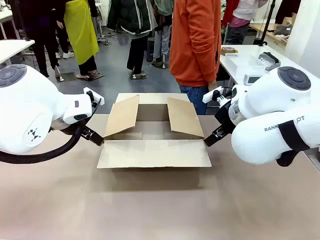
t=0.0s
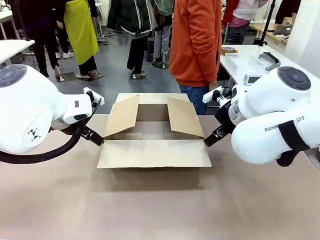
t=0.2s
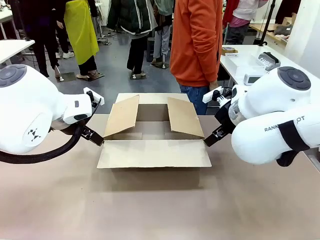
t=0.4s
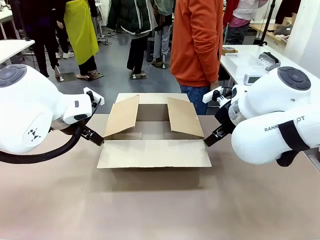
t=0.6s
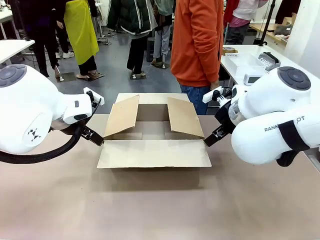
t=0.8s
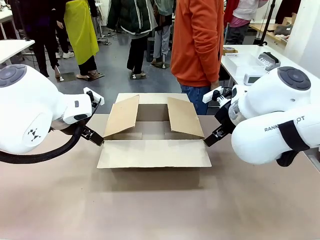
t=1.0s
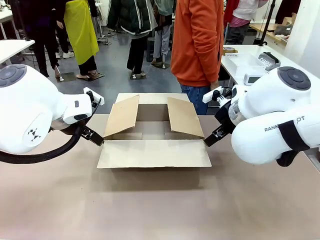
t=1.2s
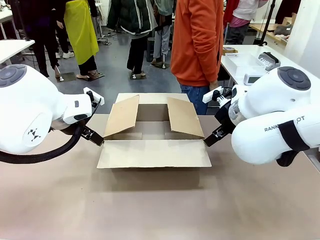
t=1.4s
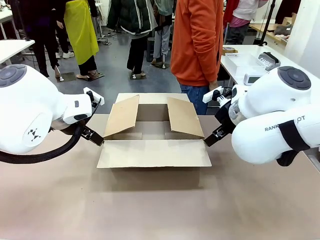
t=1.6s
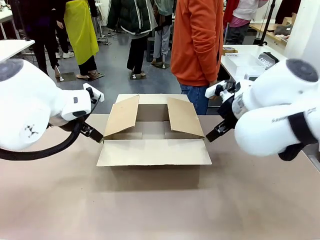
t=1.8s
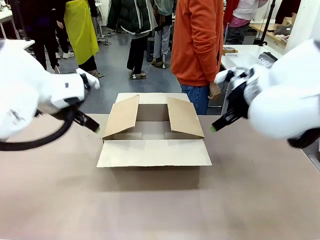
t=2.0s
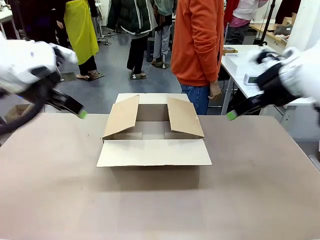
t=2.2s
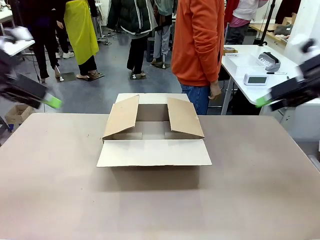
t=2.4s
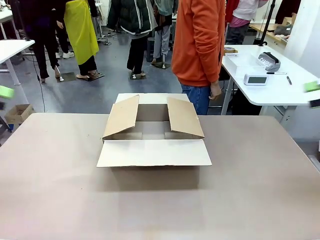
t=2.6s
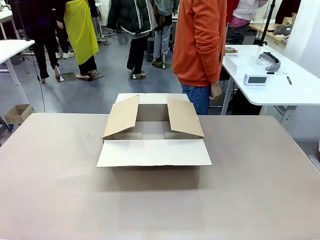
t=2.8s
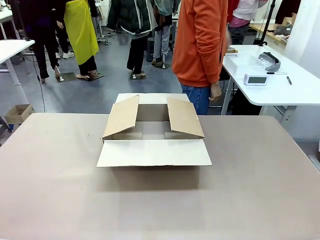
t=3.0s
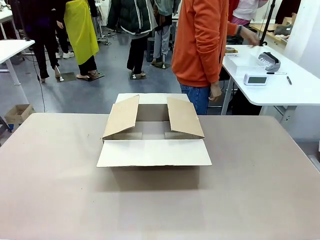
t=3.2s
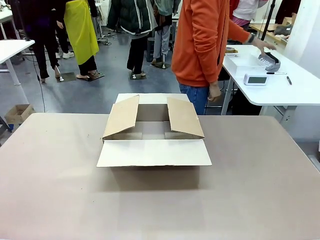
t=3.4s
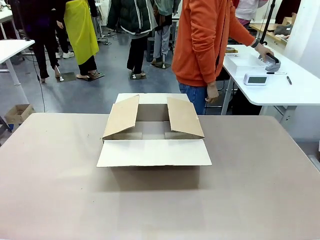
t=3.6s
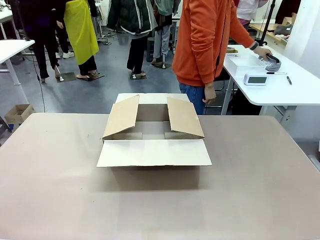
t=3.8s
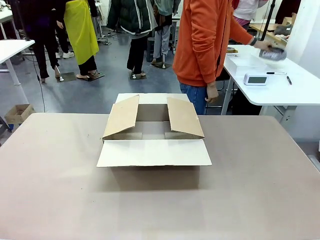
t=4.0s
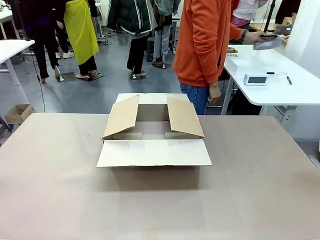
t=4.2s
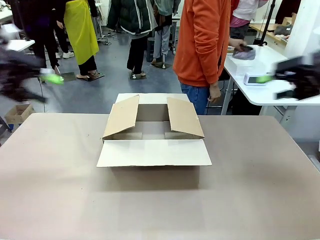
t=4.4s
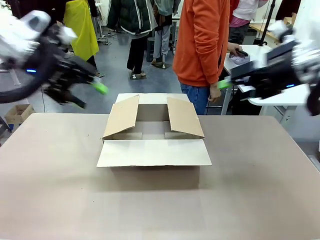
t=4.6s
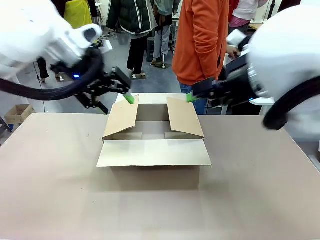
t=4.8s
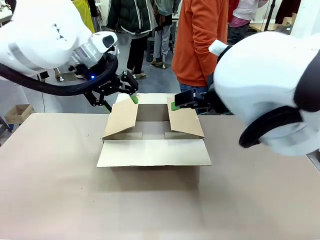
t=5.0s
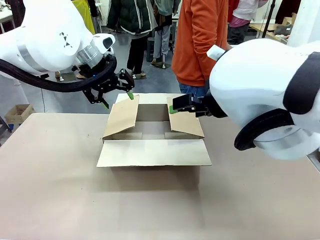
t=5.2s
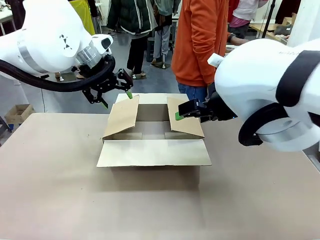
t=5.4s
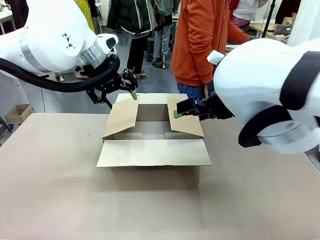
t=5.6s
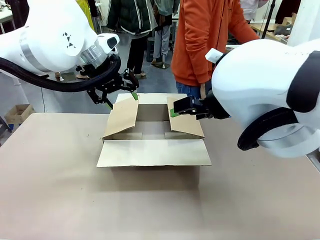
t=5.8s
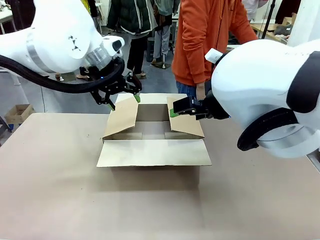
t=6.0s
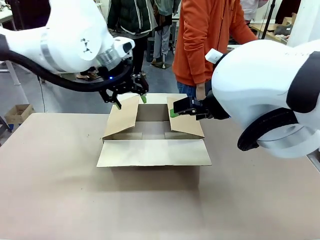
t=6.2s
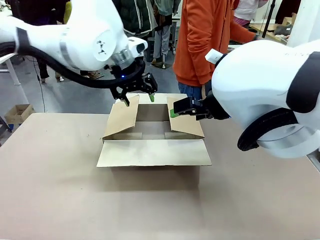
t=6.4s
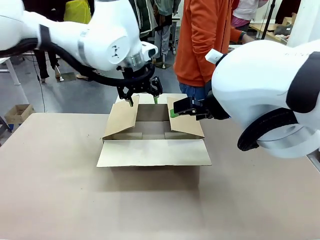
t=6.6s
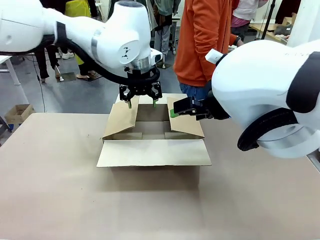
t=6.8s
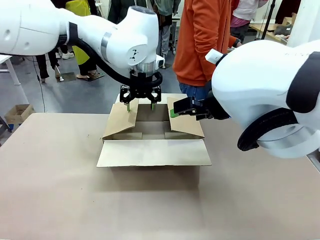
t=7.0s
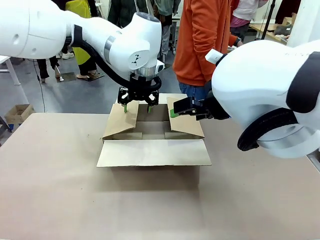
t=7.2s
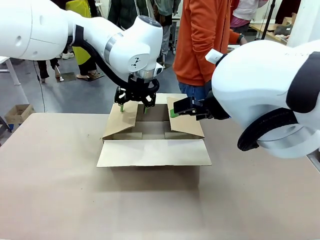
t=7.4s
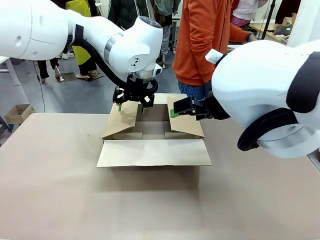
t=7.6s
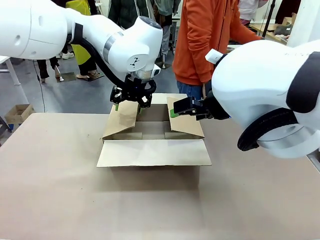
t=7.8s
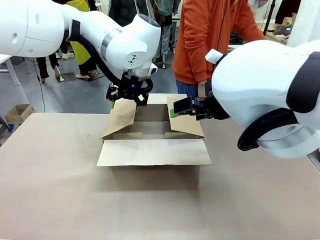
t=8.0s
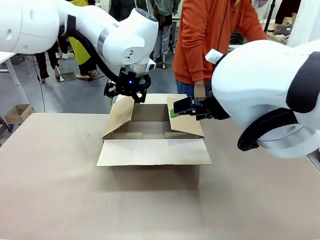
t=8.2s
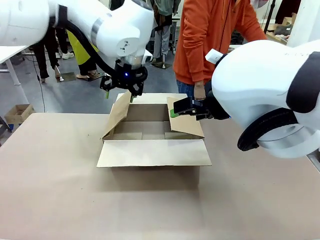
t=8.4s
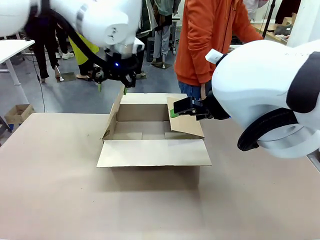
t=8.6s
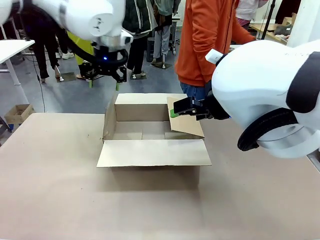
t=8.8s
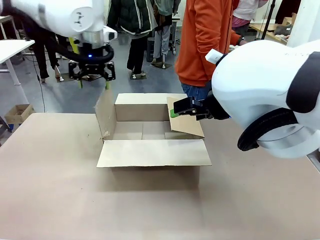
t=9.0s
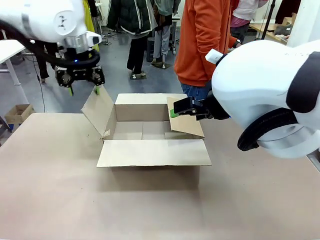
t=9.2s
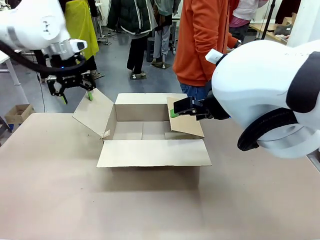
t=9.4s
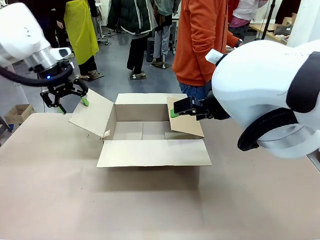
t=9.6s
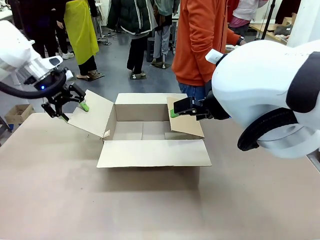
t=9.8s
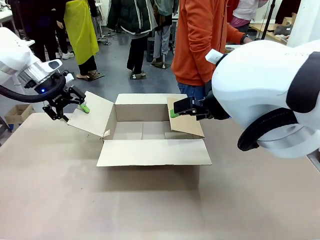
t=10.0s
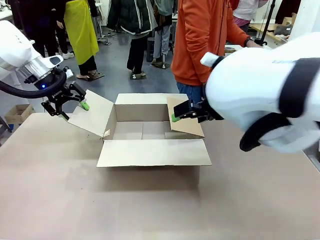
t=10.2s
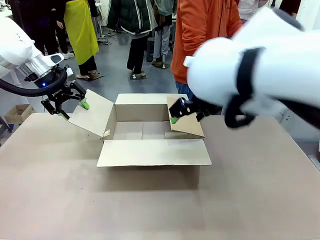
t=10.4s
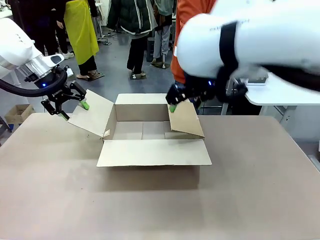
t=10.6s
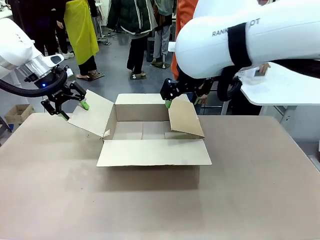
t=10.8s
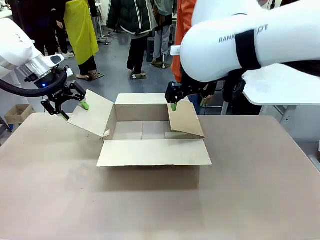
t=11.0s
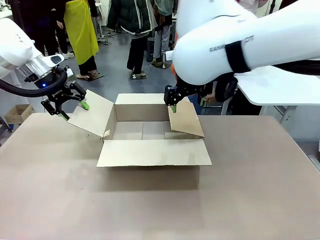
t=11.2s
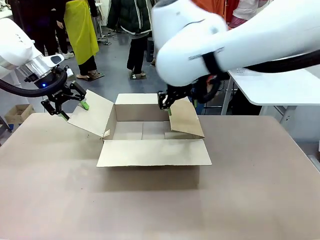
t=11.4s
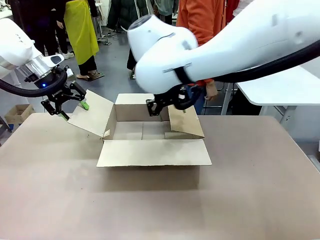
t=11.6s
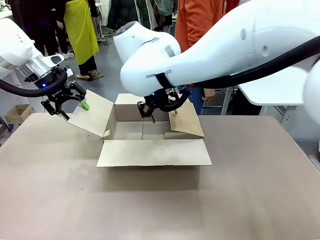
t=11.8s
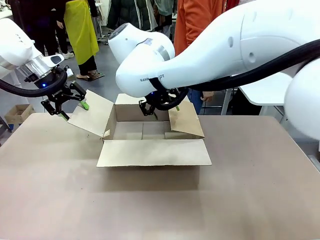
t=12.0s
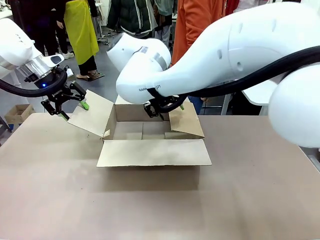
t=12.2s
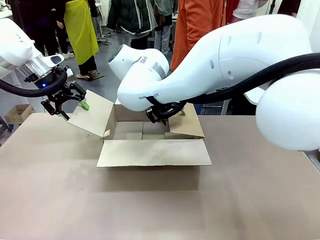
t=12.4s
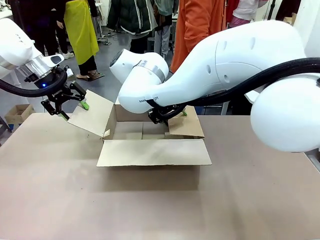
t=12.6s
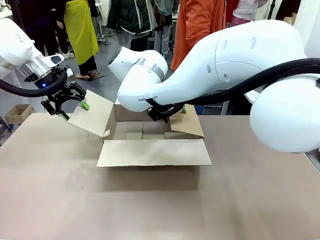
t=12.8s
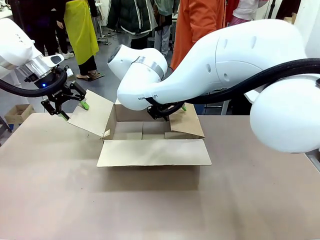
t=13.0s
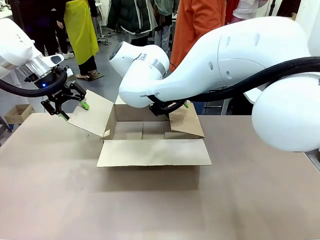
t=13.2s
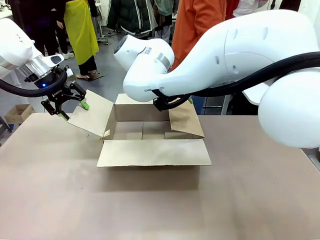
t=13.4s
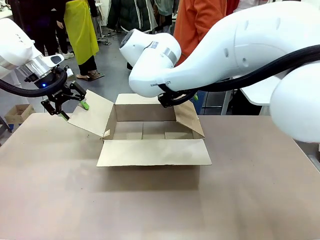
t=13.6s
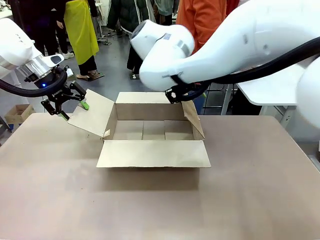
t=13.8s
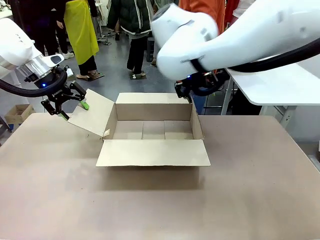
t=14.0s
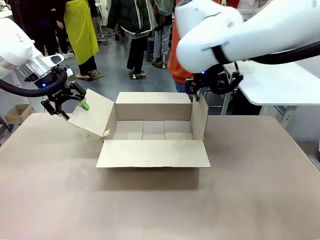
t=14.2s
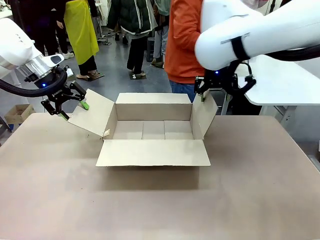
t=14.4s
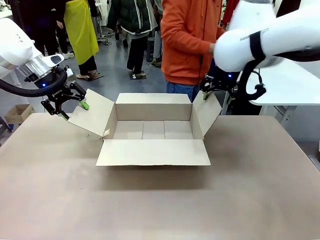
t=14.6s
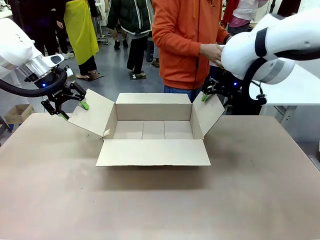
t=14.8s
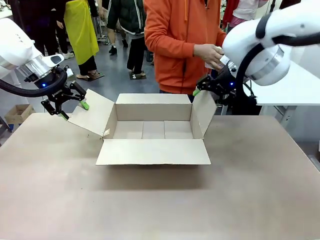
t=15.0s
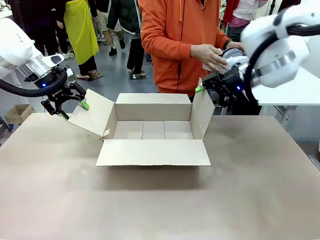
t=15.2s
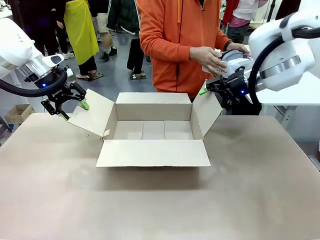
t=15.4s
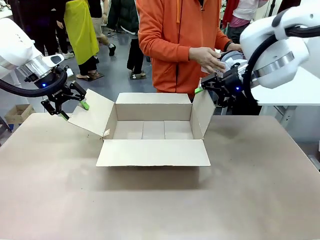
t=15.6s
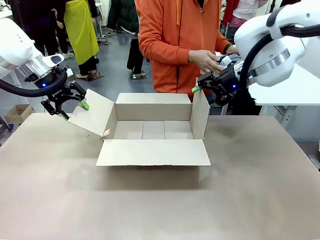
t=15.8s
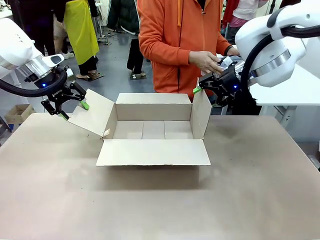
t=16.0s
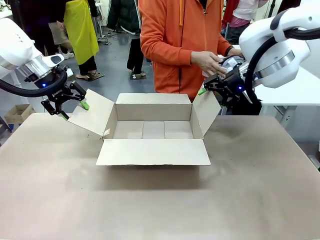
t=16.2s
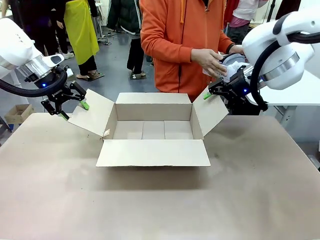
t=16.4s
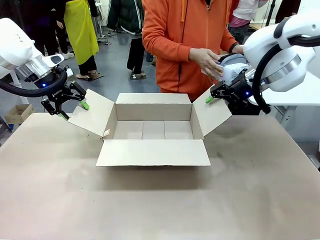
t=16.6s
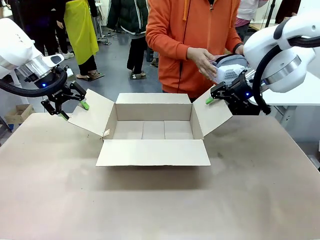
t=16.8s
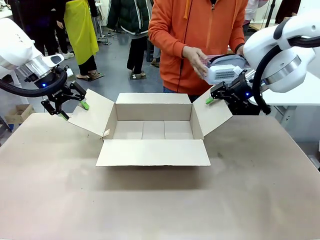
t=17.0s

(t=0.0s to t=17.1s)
Task: Pack the gift set into the box.
Robot: Place both hands on the side flaps of the Package Box and spread them outward.
Person: The human places all items except the paper tape into the organizing basket.

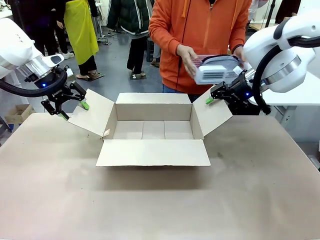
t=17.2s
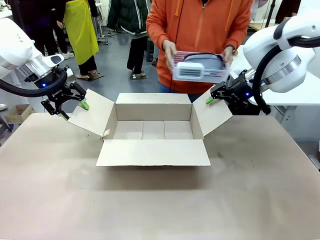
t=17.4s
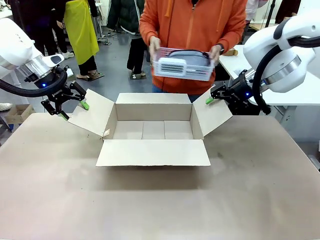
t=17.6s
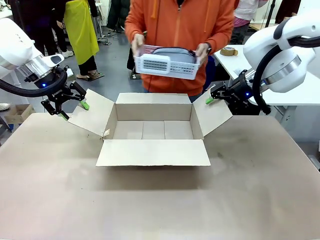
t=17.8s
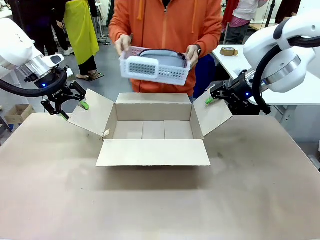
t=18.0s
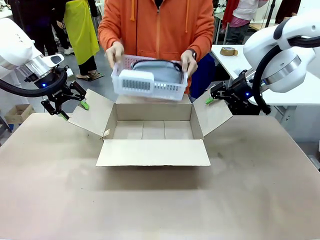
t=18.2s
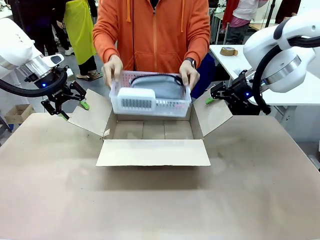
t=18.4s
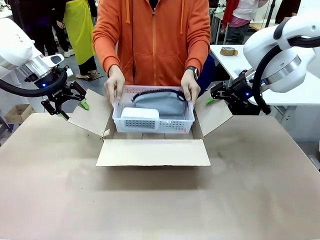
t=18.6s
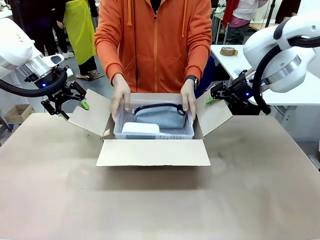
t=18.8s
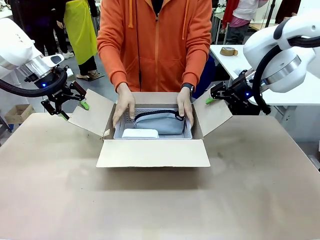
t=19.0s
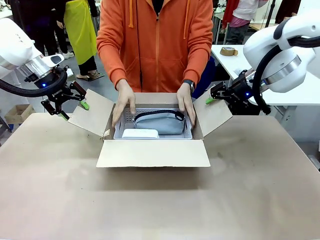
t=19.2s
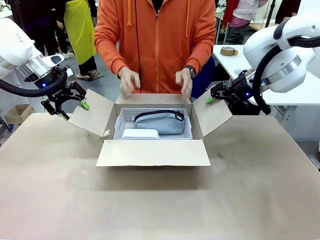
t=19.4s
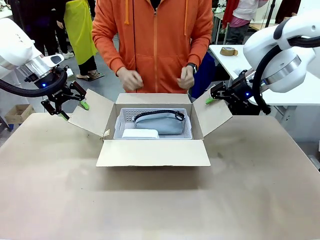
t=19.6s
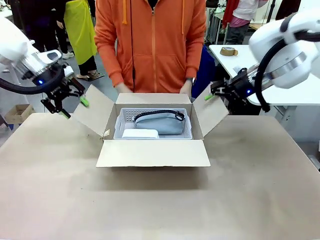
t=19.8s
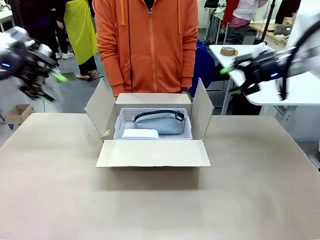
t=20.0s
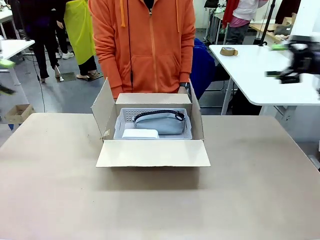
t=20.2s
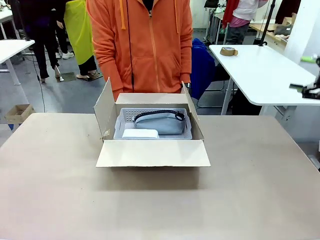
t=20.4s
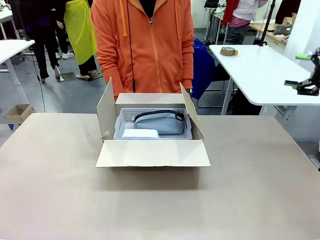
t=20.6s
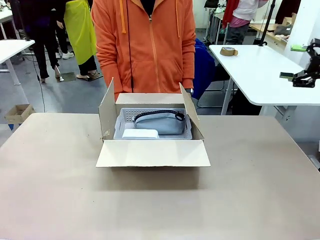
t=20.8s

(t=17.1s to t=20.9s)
Robot: Lift both hands away from the flaps of the Package Box.
Person: The human picks up the organizing basket and places the organizing basket into the package box on the robot table.
